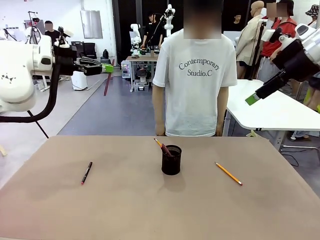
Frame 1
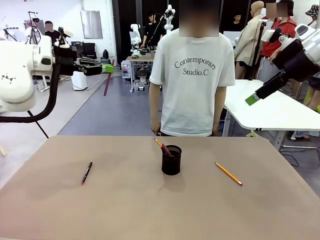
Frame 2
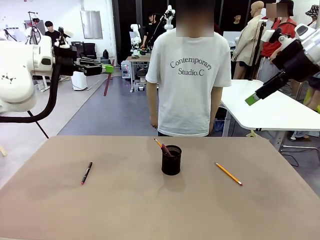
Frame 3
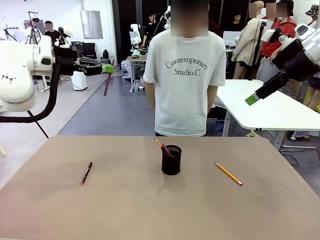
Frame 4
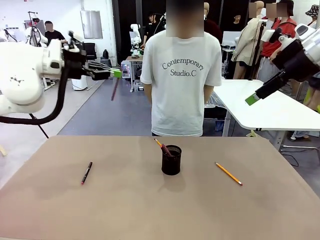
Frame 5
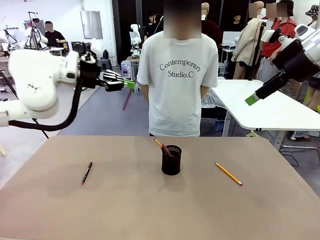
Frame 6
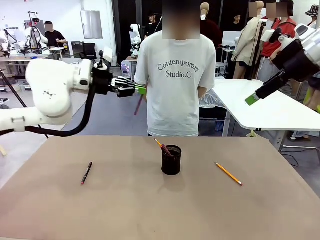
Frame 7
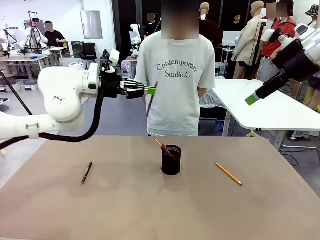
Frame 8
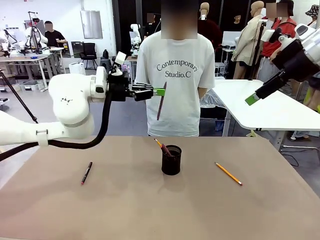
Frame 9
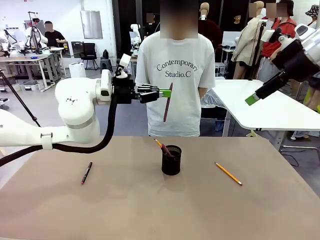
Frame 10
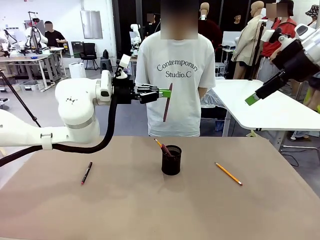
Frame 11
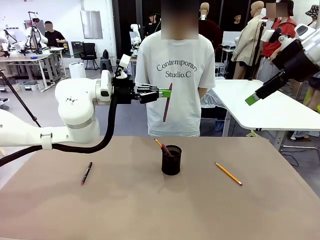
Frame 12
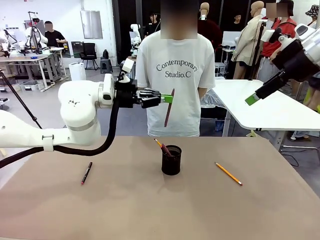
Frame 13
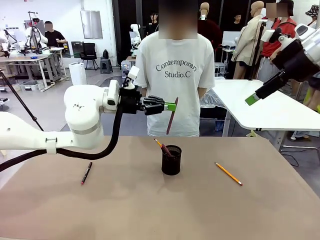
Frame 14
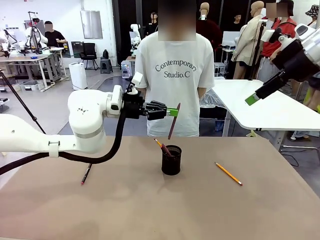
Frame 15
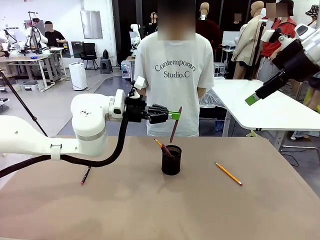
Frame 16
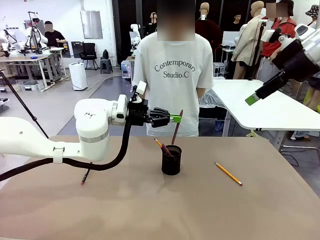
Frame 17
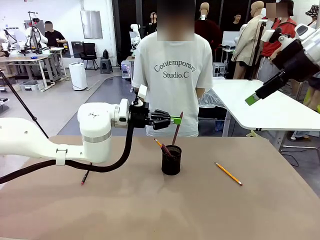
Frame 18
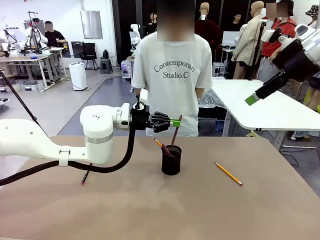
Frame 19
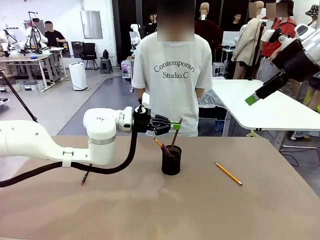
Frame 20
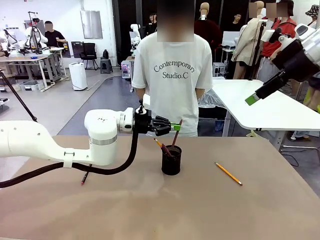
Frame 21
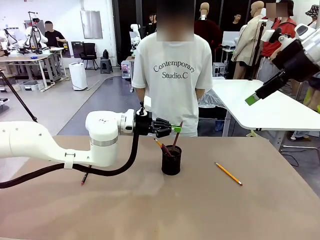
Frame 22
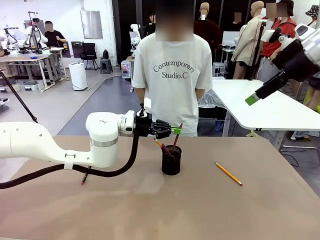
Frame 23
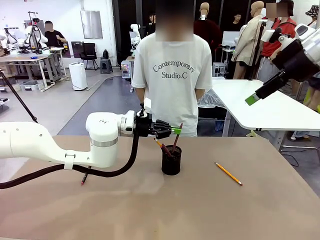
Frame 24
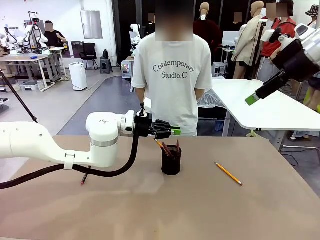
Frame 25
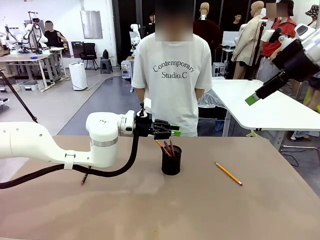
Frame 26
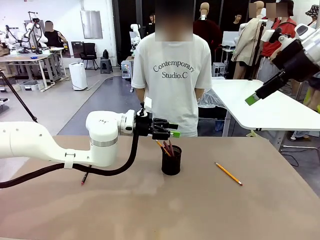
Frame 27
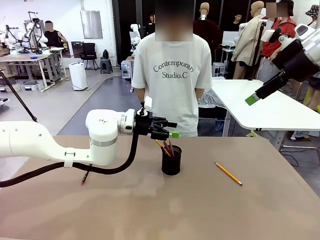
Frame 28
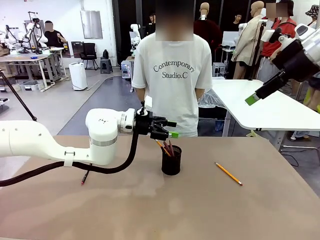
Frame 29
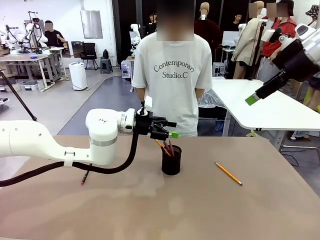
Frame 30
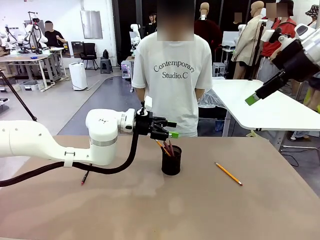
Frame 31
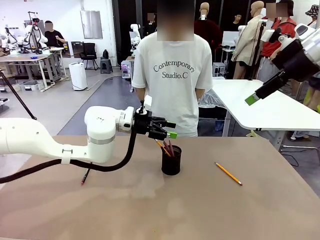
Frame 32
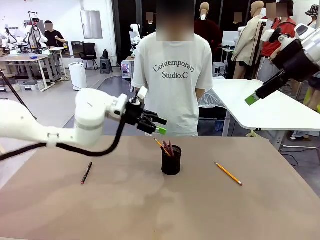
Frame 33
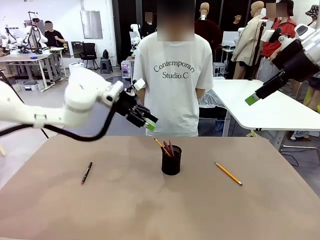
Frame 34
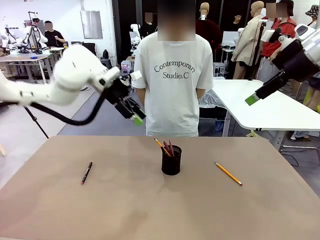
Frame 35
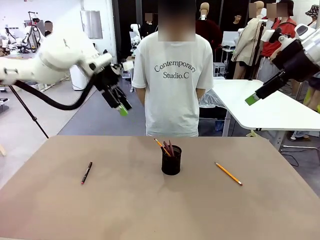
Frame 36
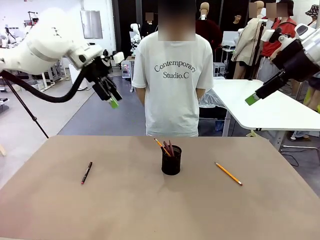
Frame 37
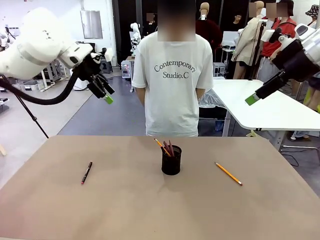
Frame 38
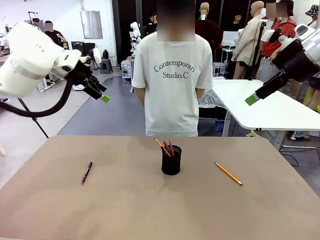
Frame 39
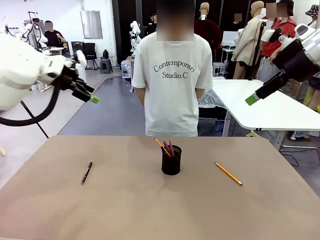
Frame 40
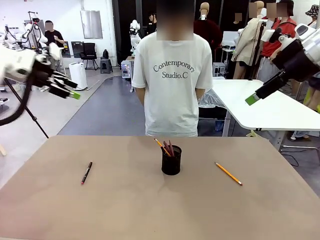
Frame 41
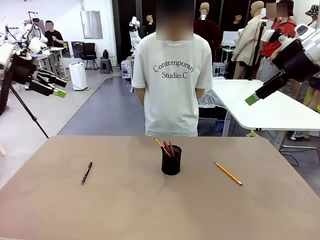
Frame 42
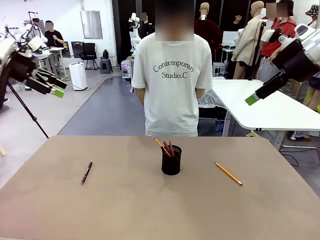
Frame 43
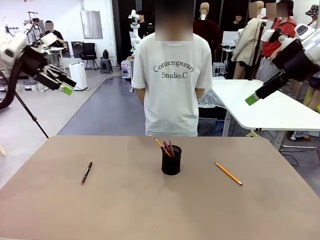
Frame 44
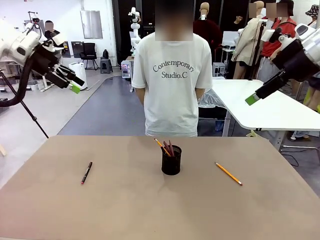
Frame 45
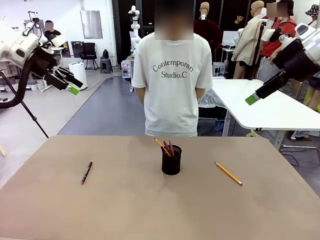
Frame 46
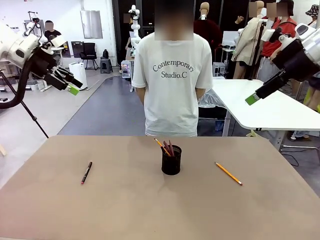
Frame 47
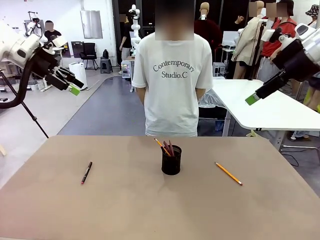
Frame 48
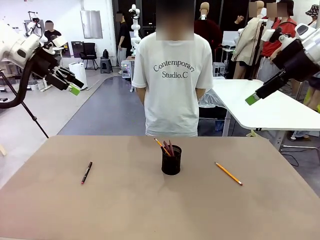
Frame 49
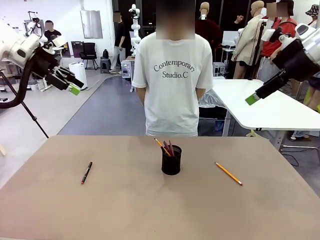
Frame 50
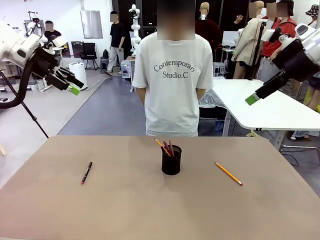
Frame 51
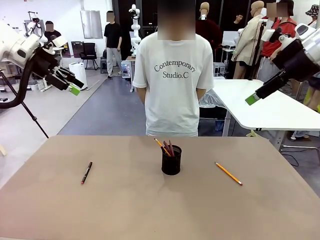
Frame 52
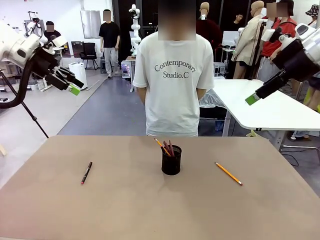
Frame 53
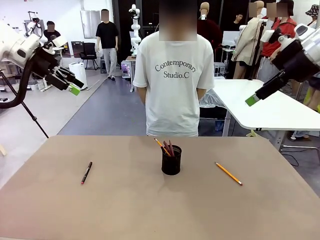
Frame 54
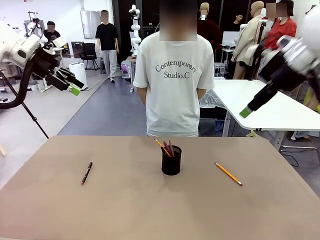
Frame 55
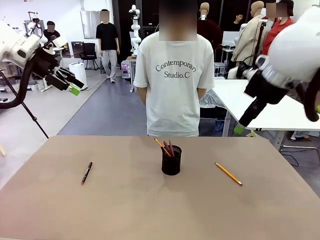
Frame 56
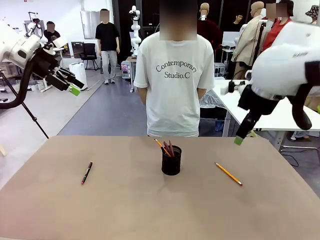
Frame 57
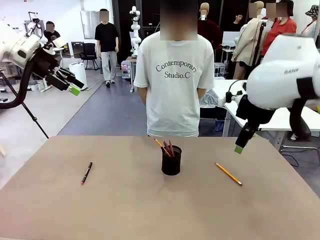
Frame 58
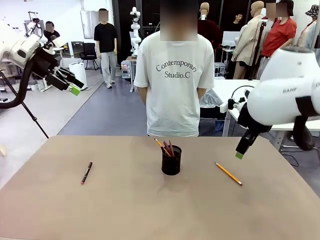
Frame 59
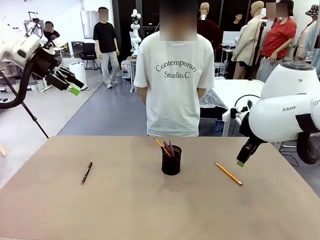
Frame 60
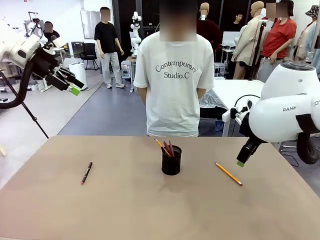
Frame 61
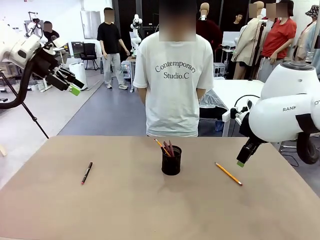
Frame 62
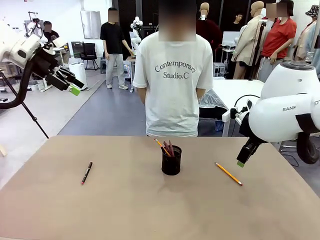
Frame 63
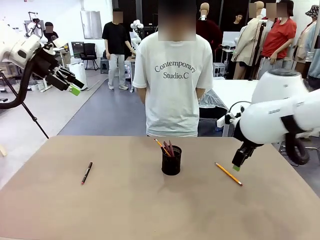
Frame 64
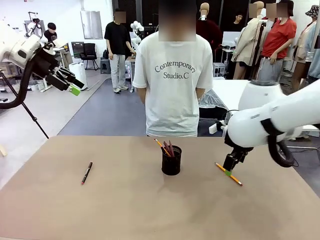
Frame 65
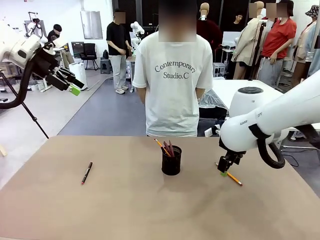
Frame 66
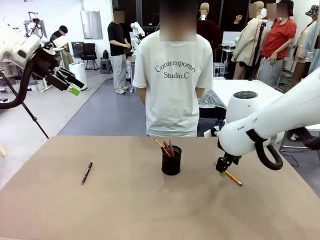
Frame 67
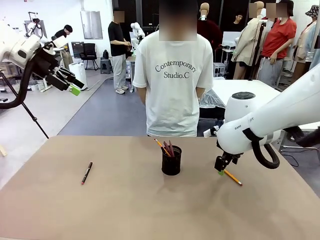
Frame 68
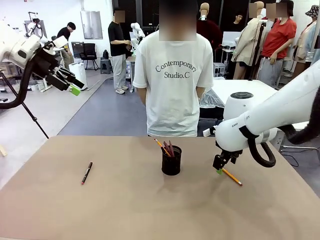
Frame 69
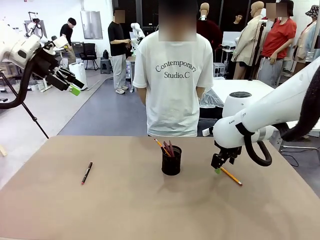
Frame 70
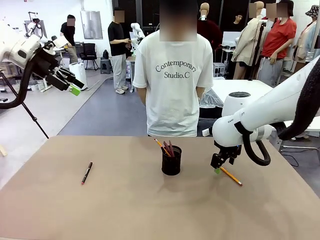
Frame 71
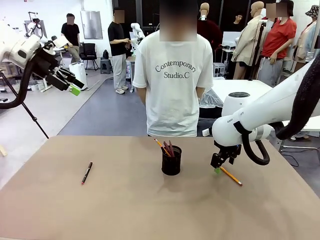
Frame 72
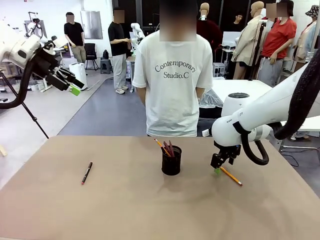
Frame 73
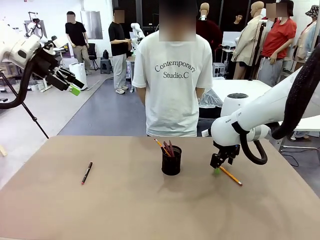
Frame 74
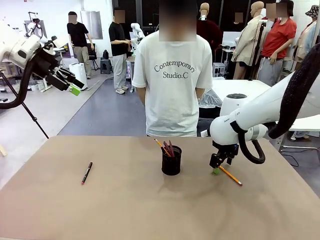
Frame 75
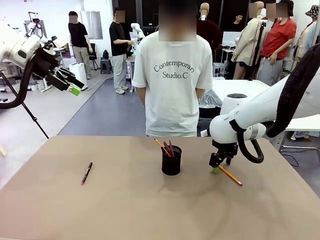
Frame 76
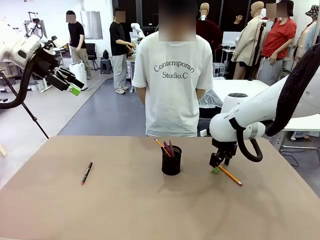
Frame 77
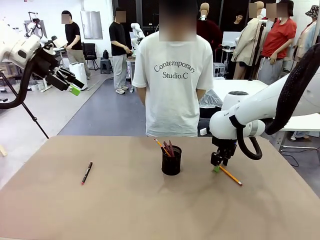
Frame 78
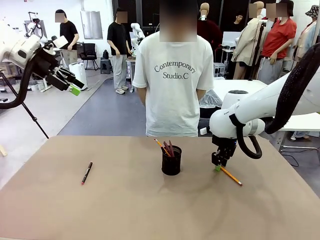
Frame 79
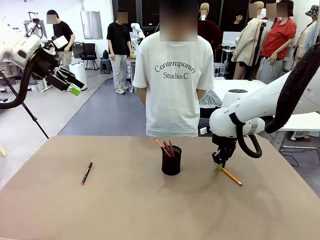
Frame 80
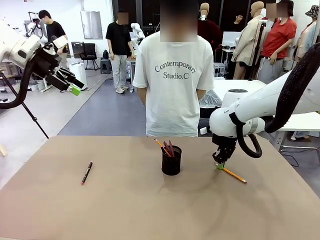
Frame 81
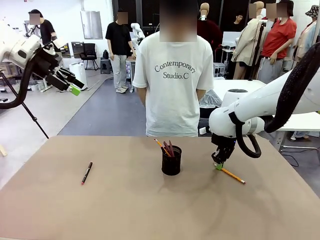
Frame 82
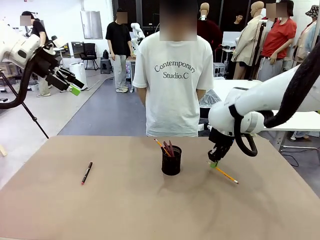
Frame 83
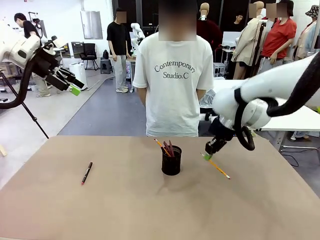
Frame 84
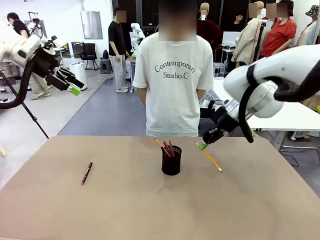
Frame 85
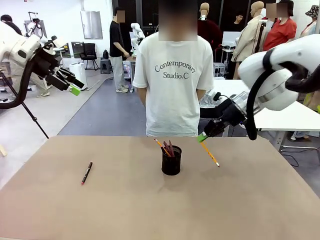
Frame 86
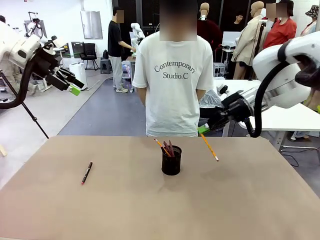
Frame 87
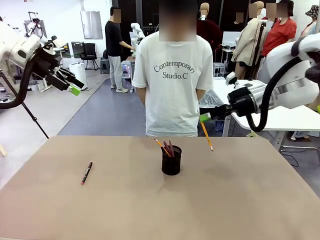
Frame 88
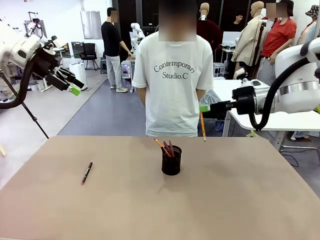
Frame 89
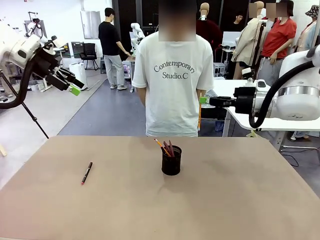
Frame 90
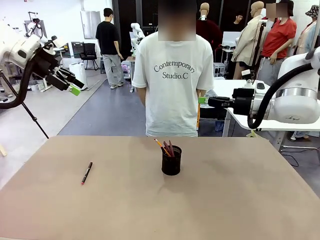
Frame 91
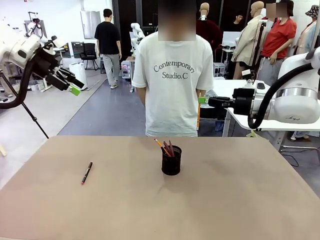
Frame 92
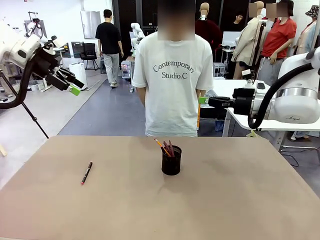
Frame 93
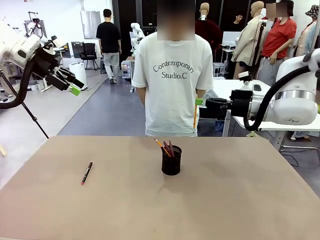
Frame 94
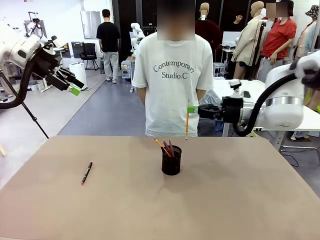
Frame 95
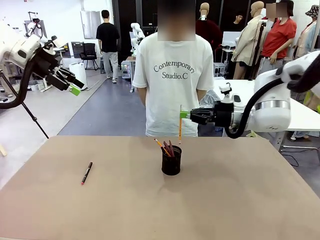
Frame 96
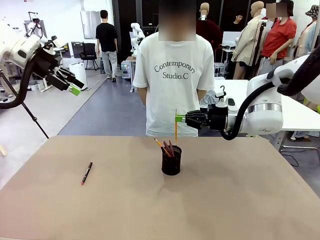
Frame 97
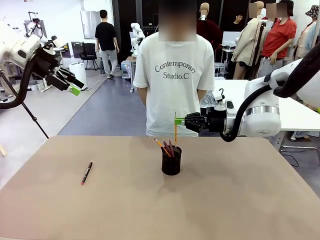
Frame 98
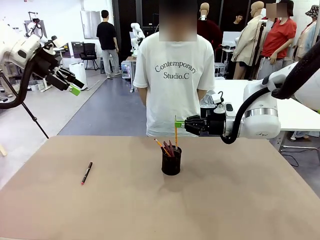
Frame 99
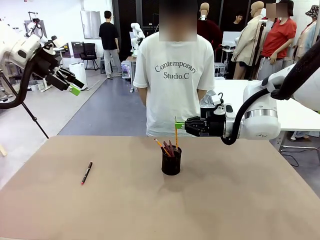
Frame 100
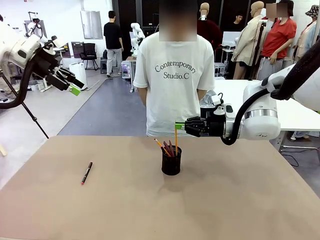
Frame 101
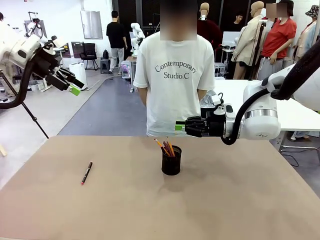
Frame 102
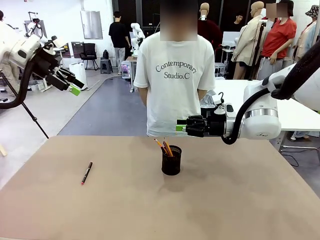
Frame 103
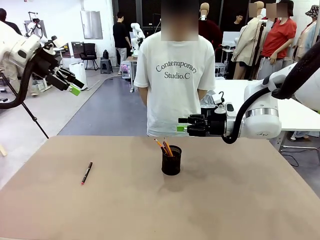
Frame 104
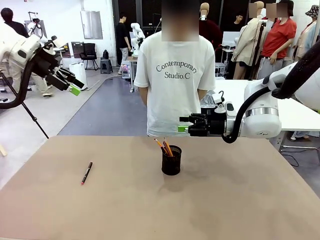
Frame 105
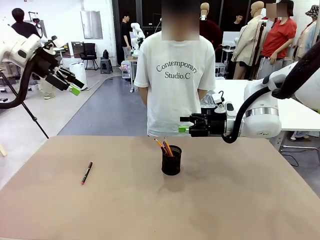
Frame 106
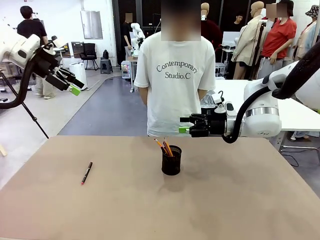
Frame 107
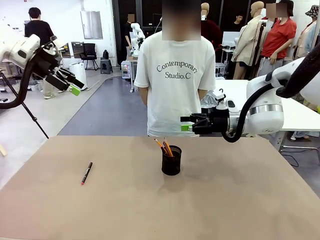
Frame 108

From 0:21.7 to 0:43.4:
Task: Place the pens into the pen holder.
Robot: Pick up a writing instrument from the table and place it into the Pen holder.
